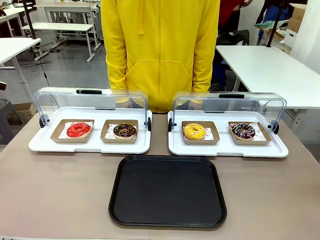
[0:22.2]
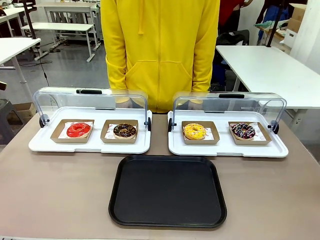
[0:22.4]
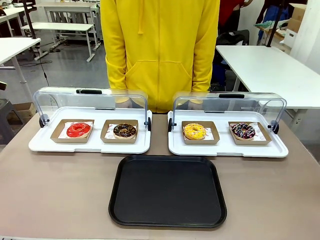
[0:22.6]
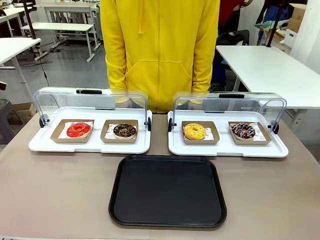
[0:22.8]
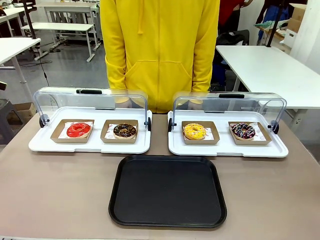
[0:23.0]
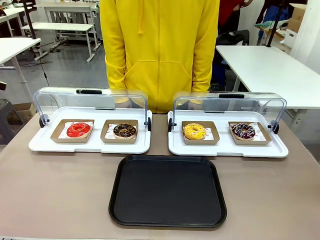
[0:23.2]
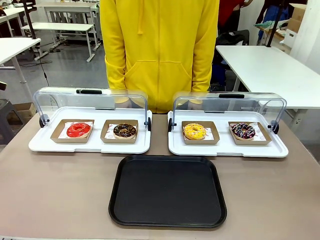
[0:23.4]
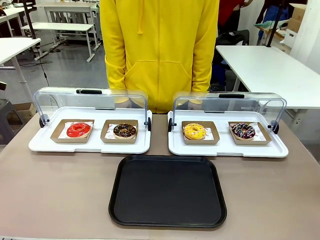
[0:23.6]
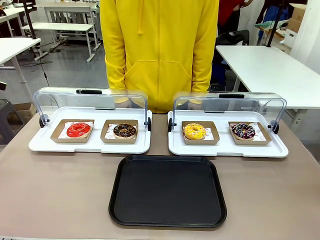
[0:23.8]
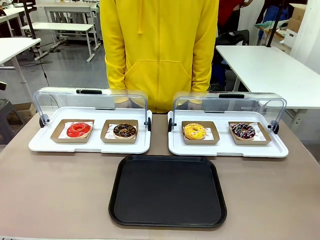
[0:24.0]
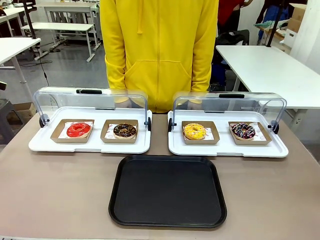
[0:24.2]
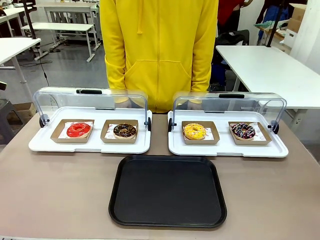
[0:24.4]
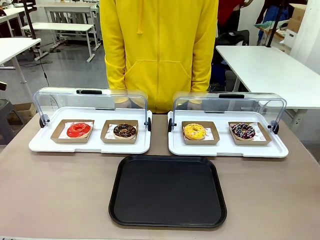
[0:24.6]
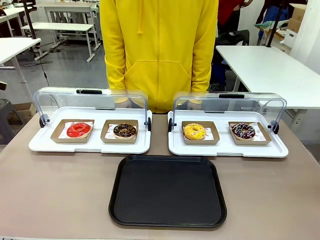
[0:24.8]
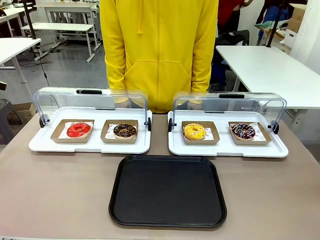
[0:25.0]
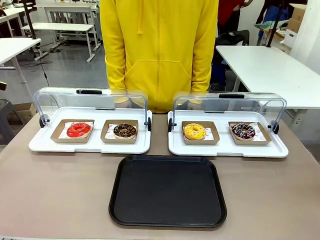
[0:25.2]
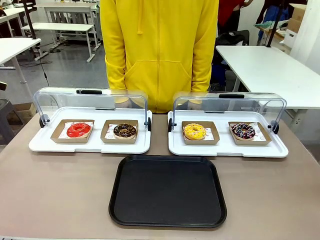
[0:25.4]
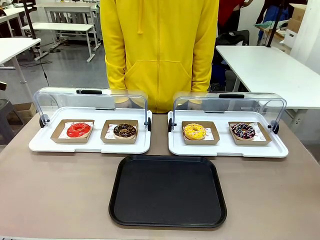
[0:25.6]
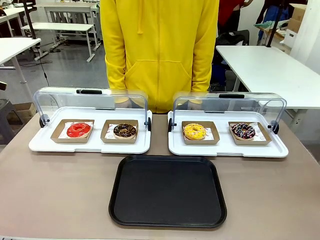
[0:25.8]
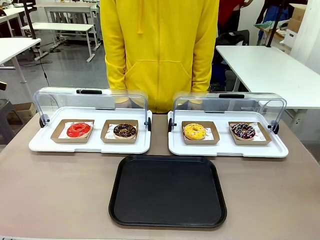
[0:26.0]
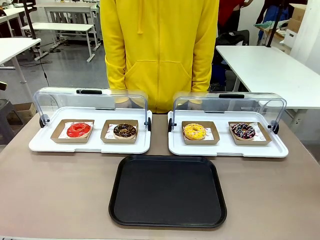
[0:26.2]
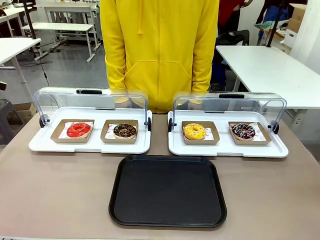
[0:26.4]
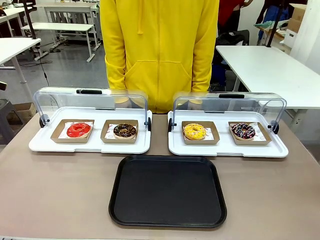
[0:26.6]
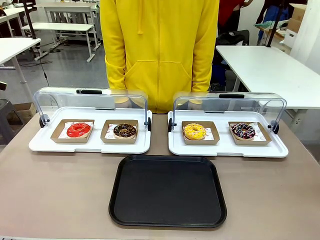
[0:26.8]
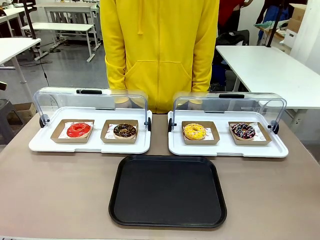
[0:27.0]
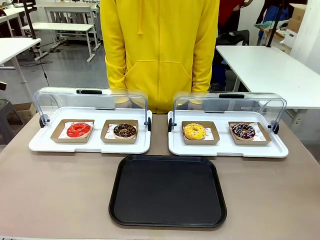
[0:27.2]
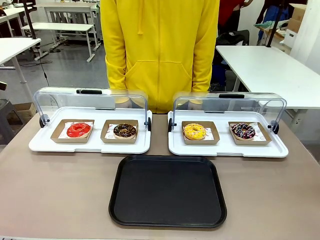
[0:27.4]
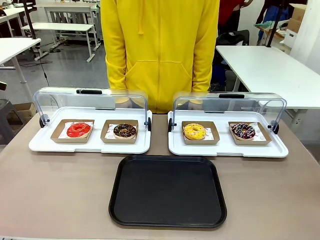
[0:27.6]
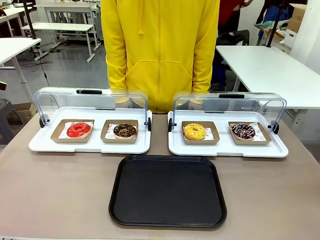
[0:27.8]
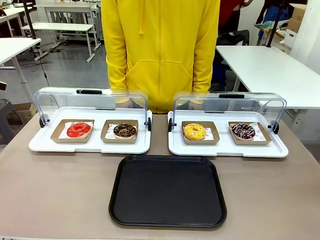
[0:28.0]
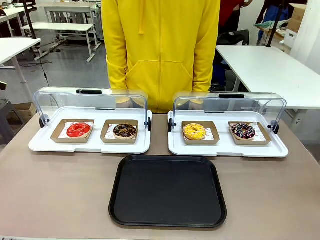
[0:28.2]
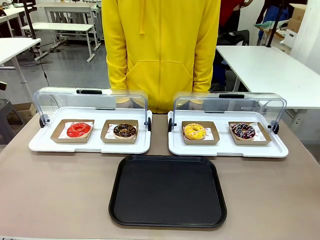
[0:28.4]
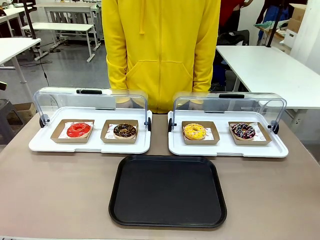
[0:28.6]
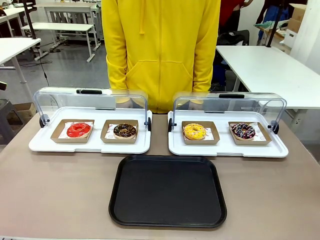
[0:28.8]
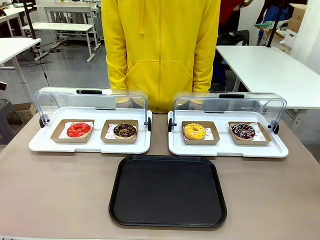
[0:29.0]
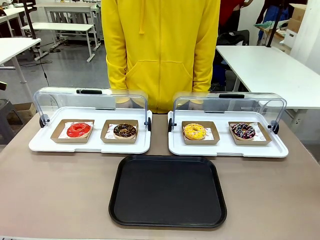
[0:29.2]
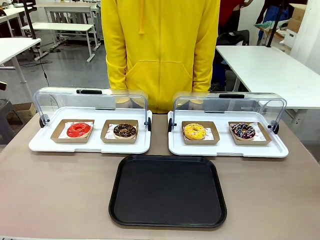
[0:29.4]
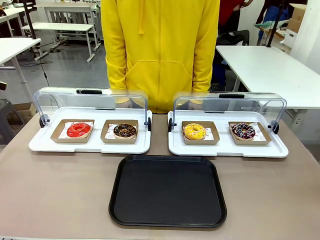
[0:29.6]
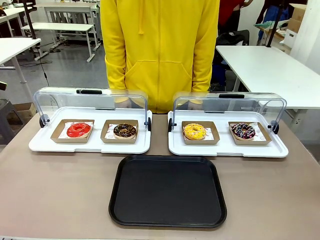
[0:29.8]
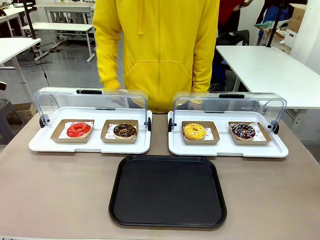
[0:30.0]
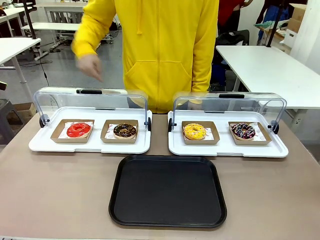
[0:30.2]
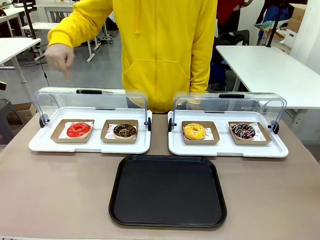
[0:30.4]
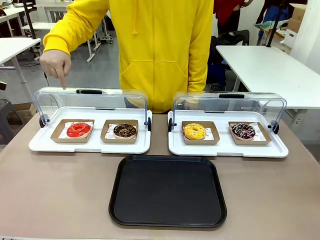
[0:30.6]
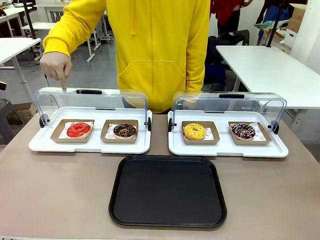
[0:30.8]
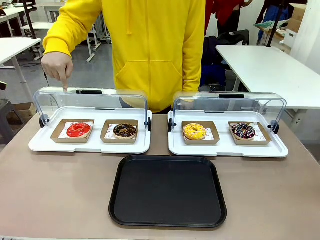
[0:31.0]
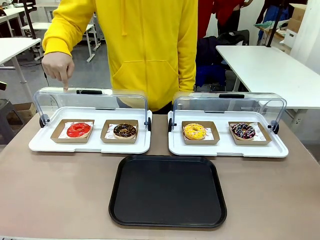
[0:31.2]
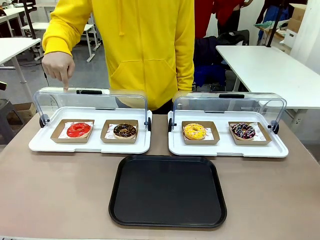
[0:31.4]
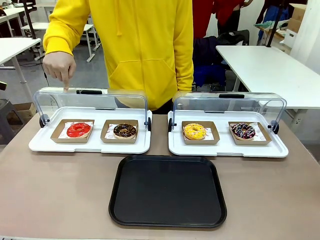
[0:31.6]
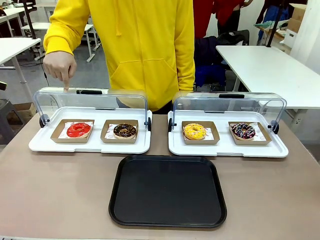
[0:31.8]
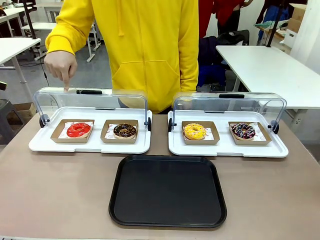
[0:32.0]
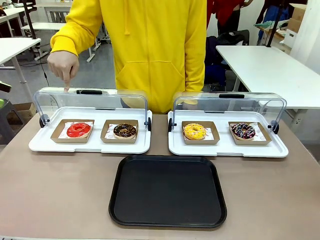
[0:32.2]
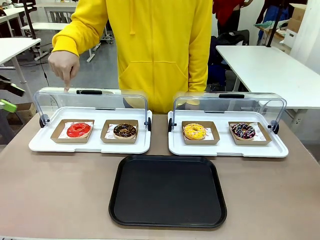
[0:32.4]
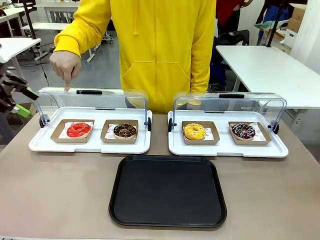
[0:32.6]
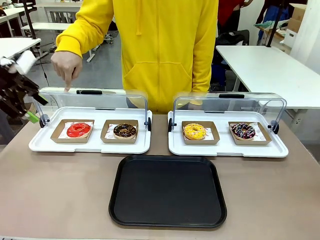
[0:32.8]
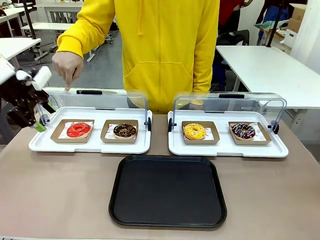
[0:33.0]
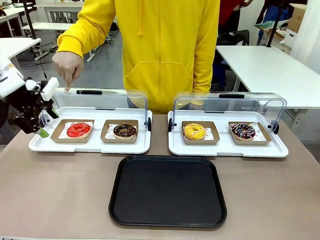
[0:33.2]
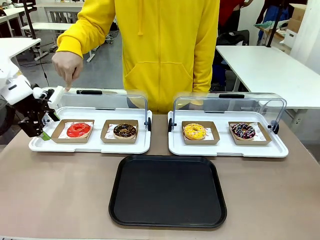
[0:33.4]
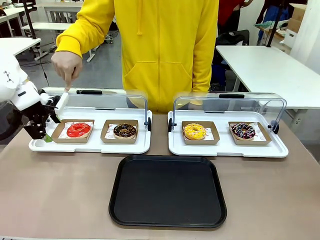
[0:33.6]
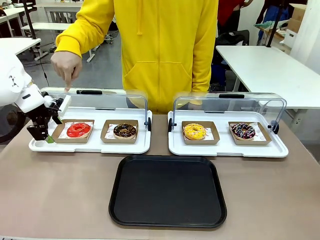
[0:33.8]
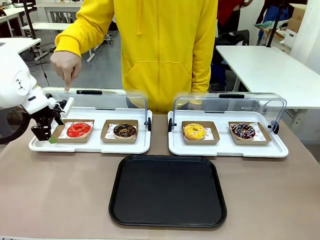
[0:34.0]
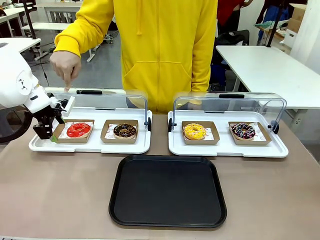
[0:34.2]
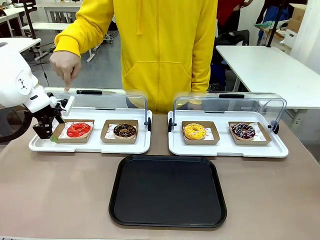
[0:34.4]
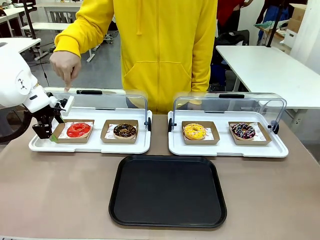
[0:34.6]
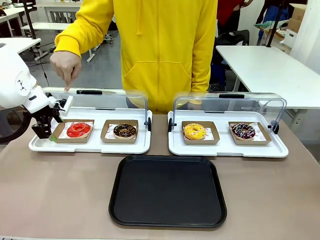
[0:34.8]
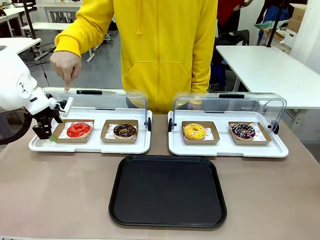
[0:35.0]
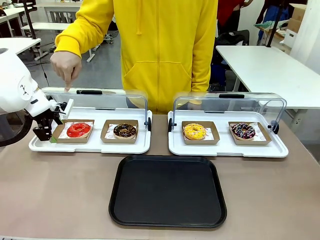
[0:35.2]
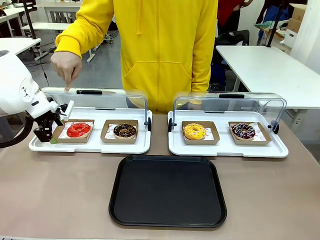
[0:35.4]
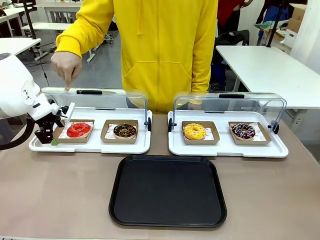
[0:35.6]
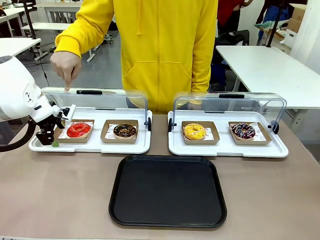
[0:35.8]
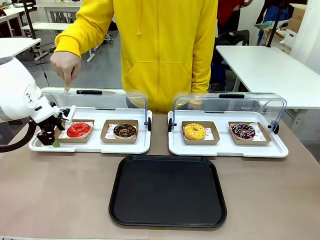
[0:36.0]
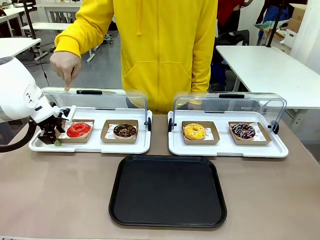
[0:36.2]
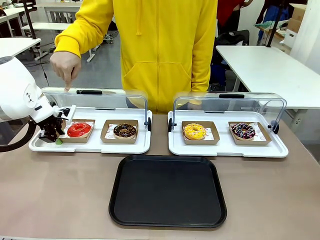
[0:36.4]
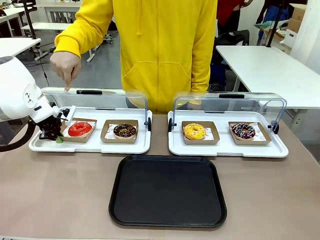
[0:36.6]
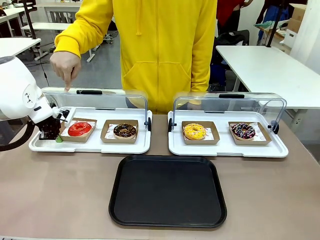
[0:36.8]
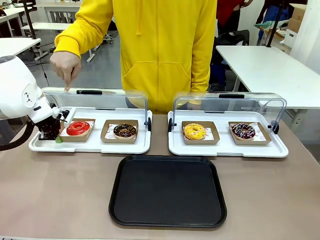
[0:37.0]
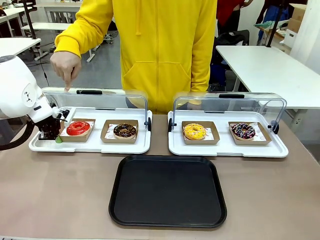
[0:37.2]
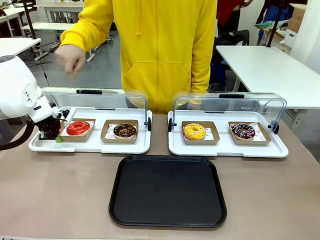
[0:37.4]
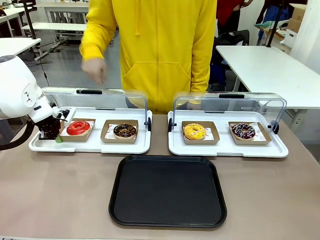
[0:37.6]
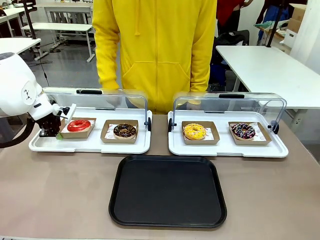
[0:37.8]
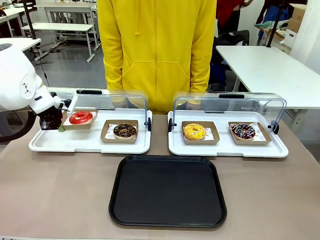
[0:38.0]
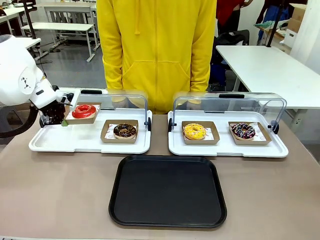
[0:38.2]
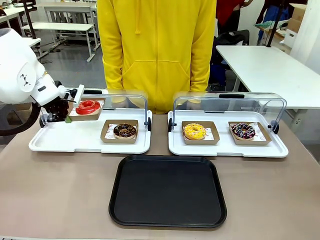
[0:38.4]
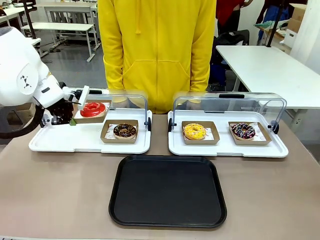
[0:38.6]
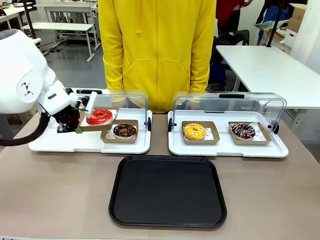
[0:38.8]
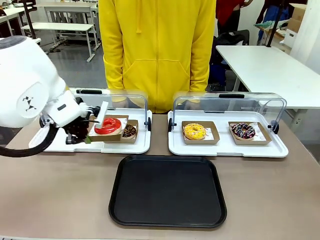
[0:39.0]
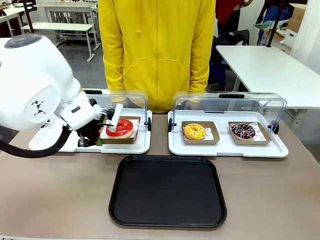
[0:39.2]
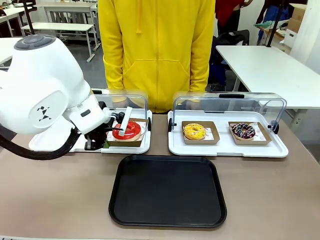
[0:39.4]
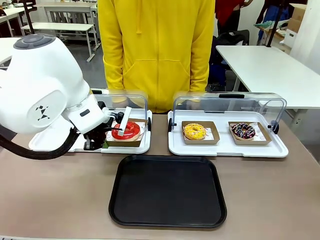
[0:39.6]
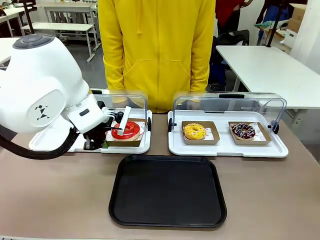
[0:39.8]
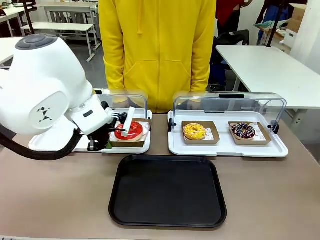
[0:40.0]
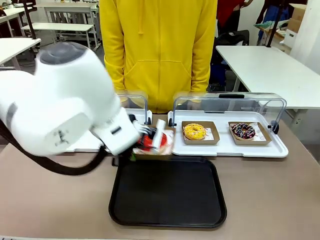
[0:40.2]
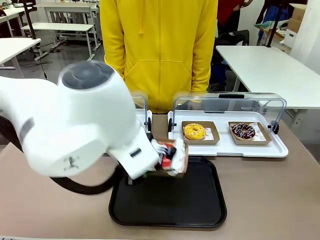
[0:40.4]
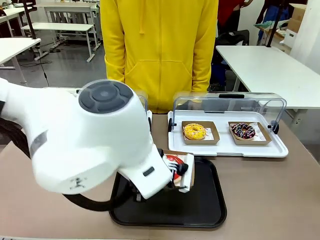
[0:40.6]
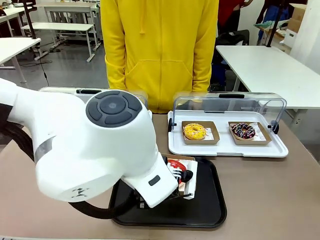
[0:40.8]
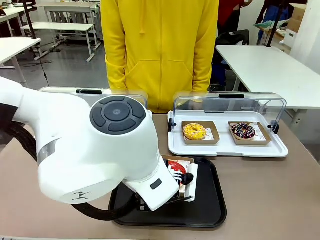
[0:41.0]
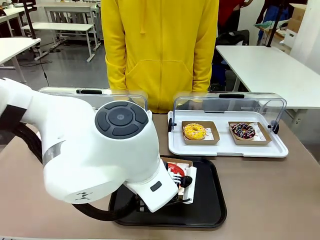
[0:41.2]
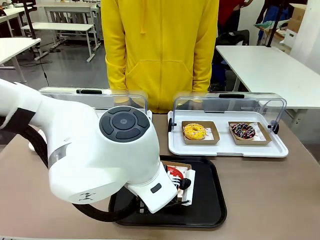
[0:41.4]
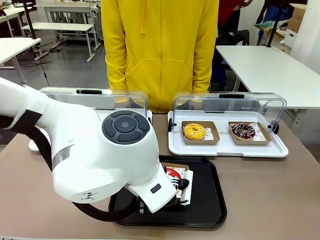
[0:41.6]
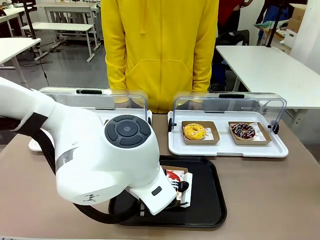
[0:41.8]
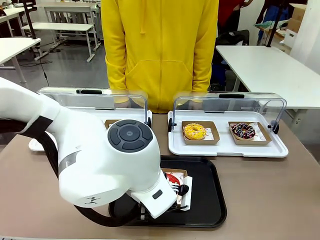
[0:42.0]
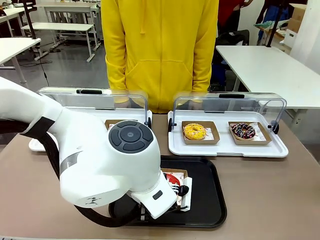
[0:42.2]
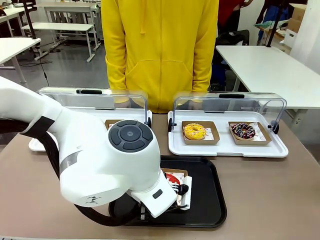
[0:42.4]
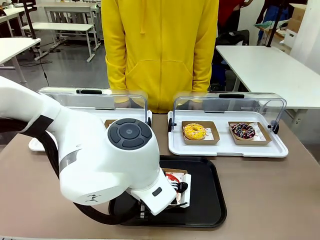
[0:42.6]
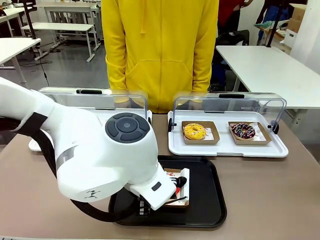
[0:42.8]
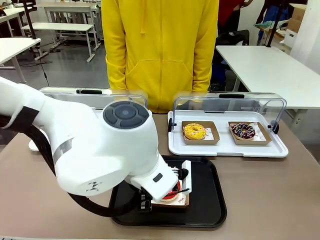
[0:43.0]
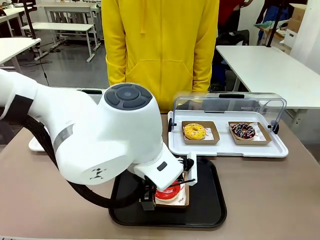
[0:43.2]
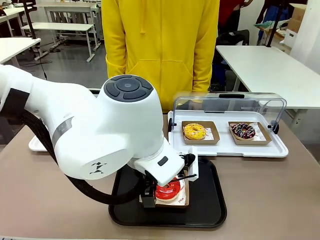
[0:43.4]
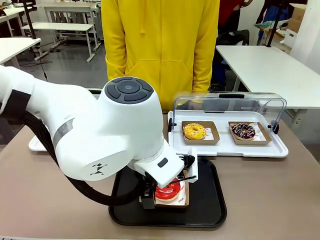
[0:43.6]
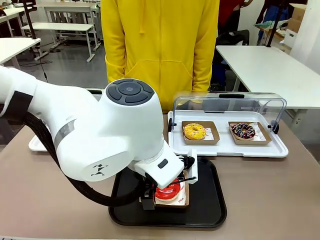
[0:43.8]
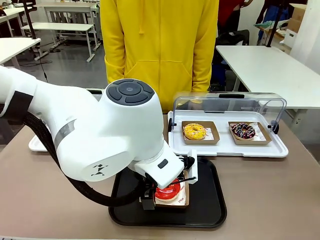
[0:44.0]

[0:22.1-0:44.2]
Task: Move the first donut from the left to the tray.
Robot: Pick up the Paper togo box containing the Donut indicated by the person and place it on the Handle tray.
